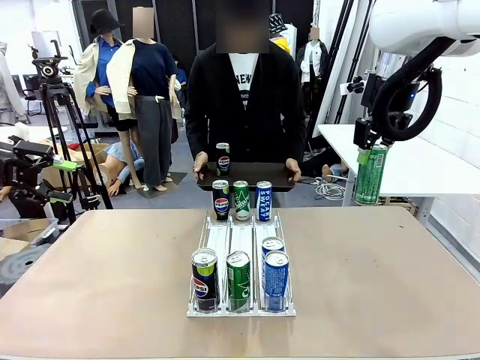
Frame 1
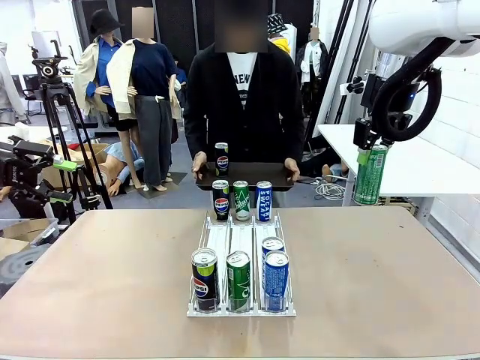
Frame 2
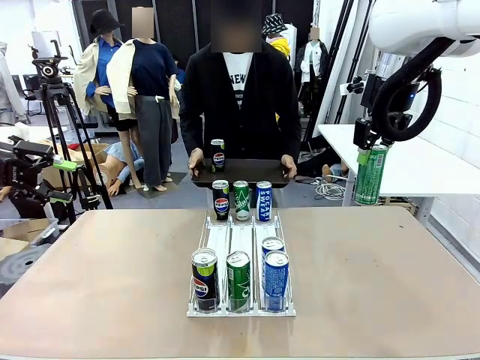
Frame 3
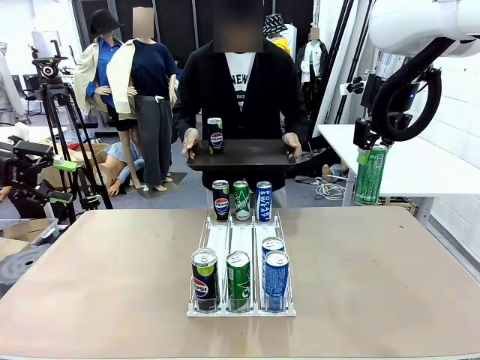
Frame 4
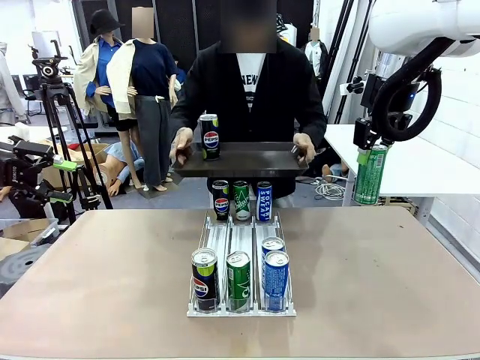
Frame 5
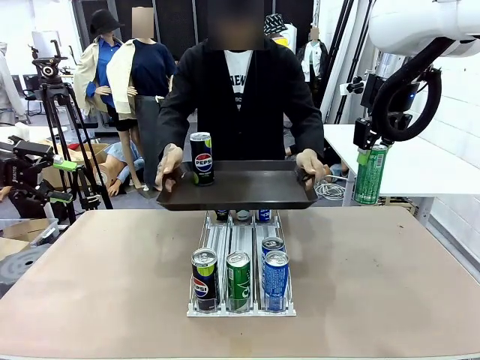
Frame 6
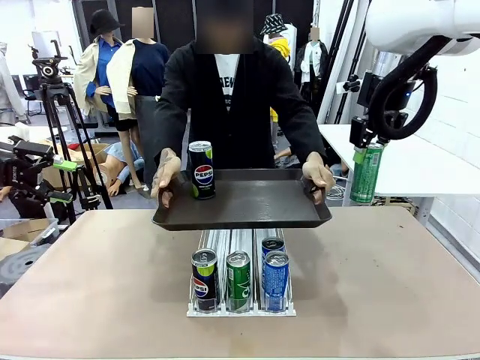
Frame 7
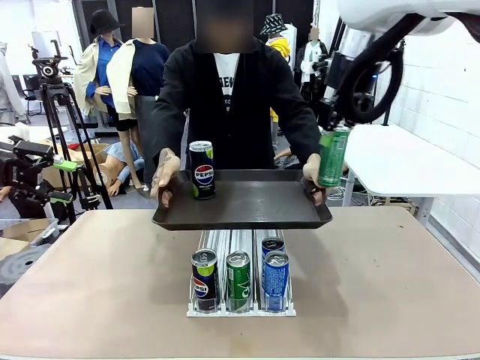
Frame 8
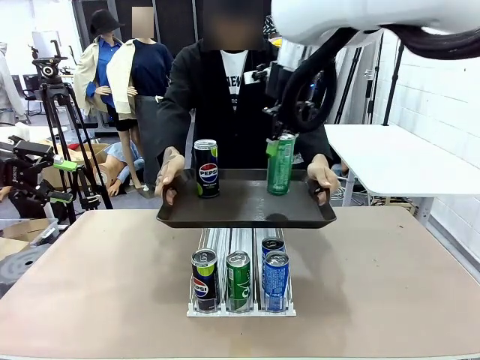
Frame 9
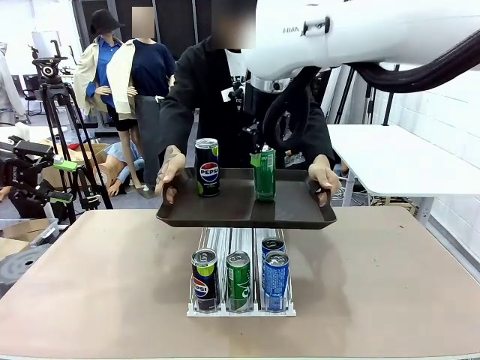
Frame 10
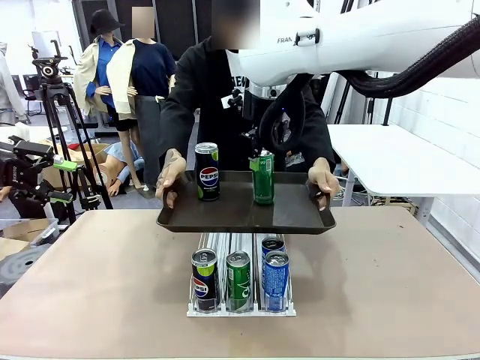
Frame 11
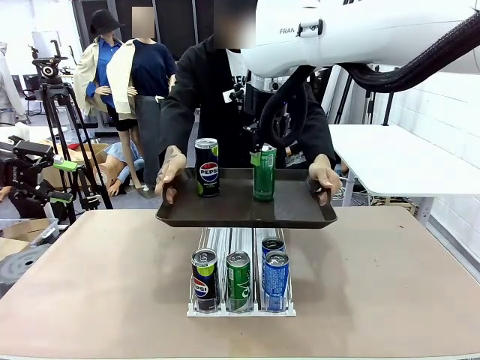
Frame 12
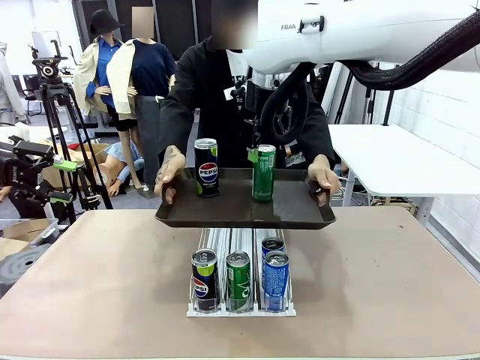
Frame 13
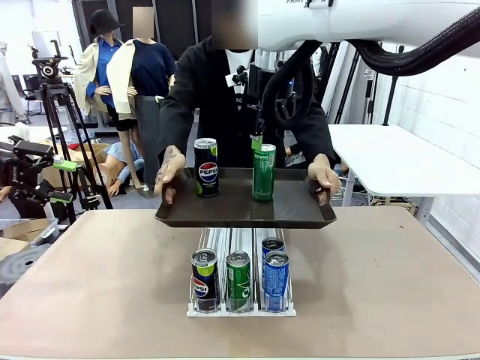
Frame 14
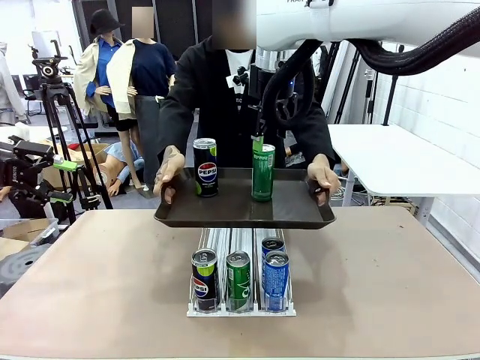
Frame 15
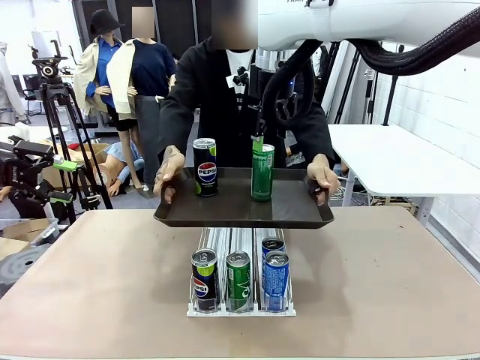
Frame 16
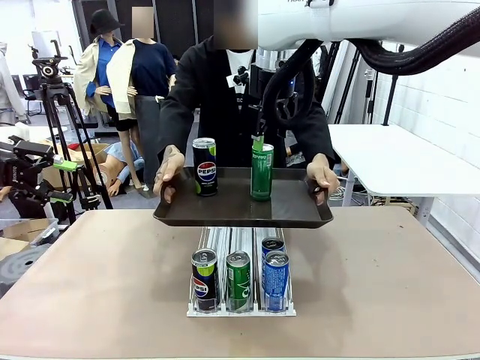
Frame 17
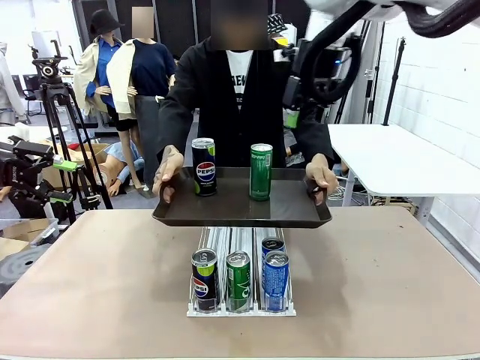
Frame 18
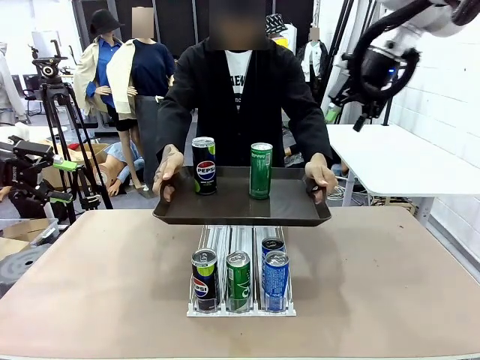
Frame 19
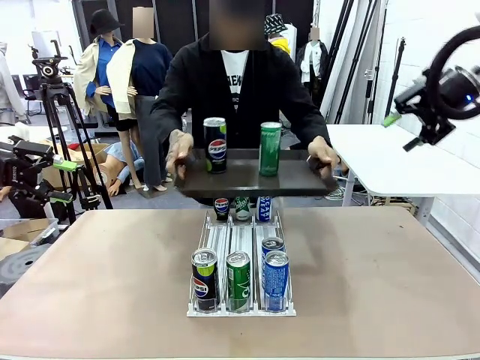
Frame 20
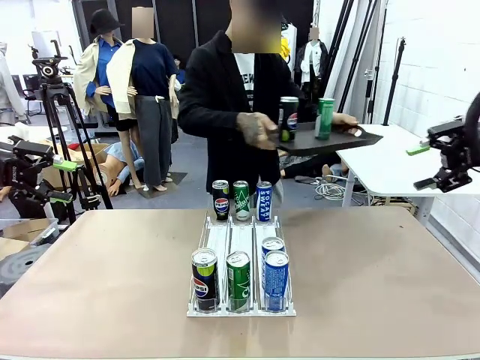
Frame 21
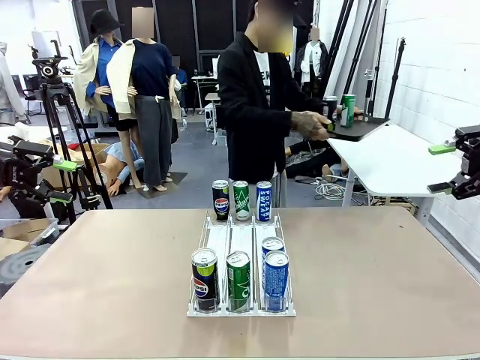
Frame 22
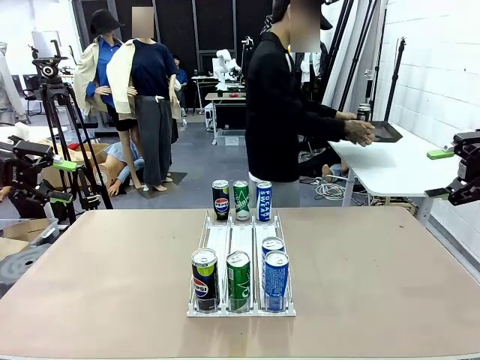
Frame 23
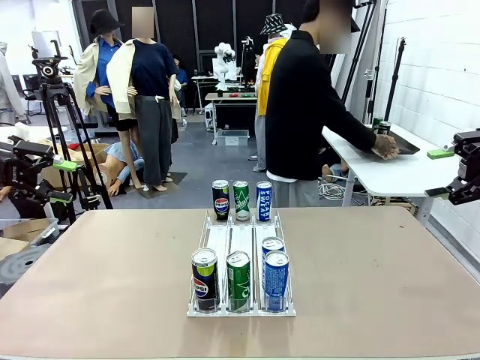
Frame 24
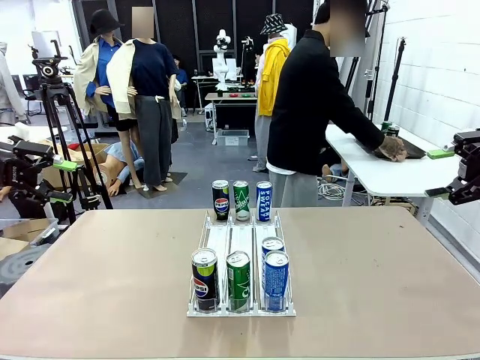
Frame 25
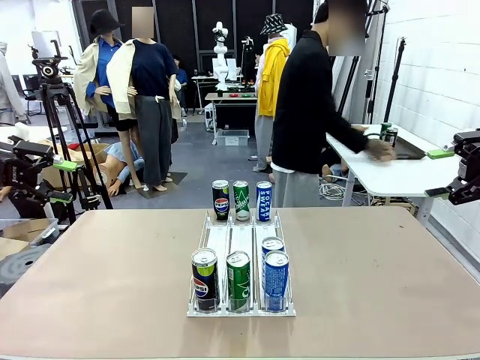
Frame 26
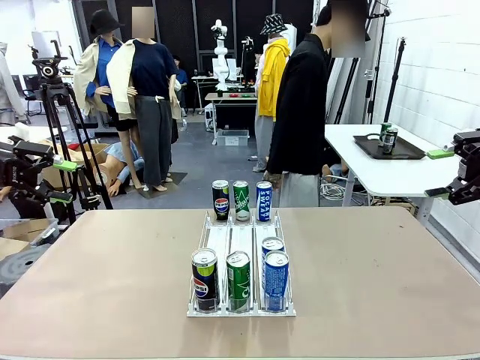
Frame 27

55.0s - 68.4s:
Task: Retrieve and hand over the desired beverage to the person.
Robot: Place the picked can on the Handle tray extended by the person.
Person: Pull the tray back and place it at the center of the human table.

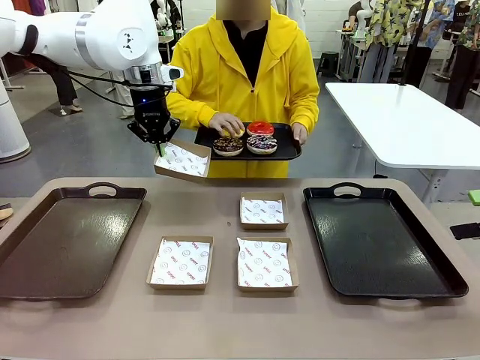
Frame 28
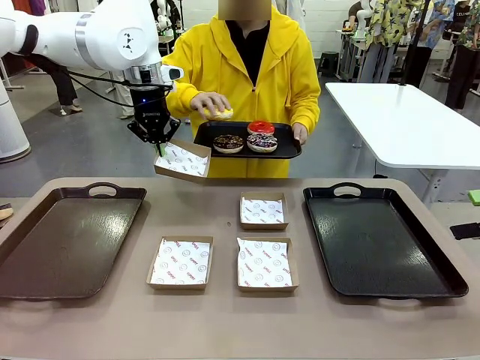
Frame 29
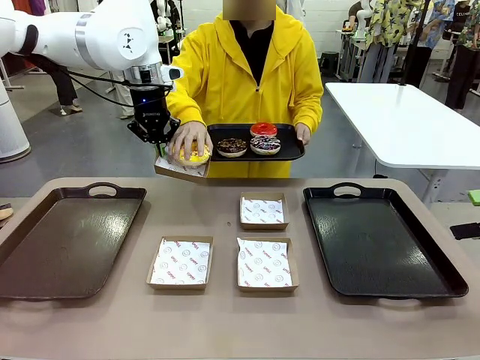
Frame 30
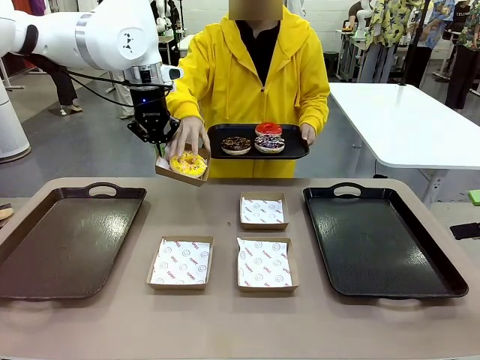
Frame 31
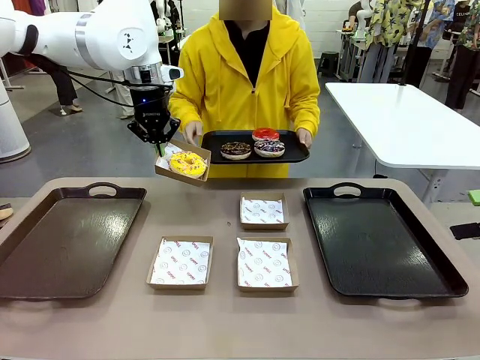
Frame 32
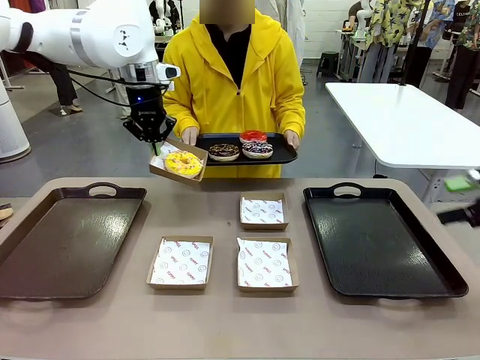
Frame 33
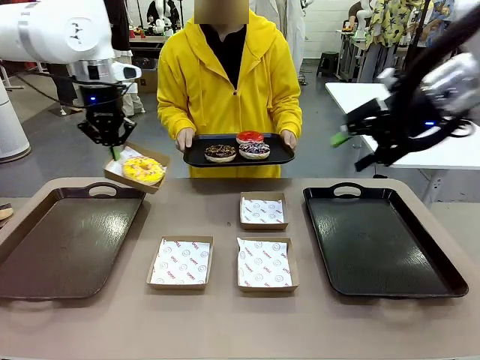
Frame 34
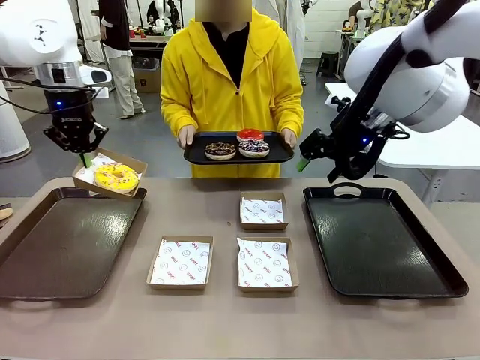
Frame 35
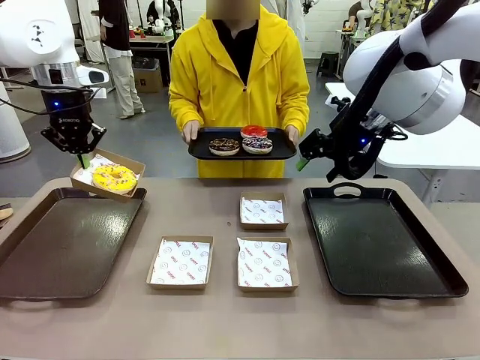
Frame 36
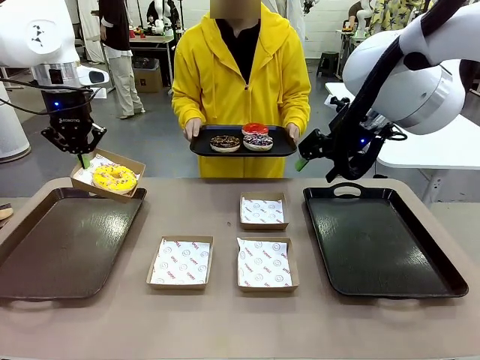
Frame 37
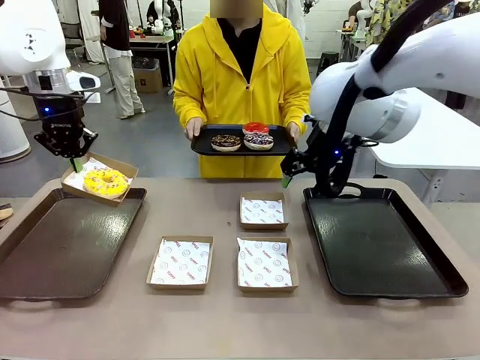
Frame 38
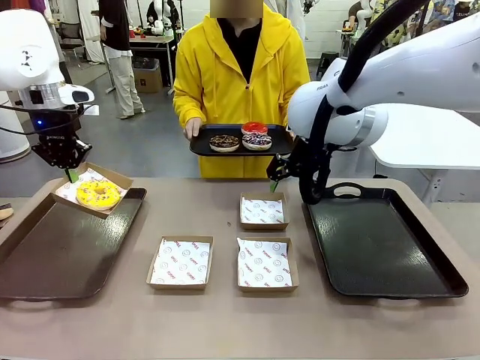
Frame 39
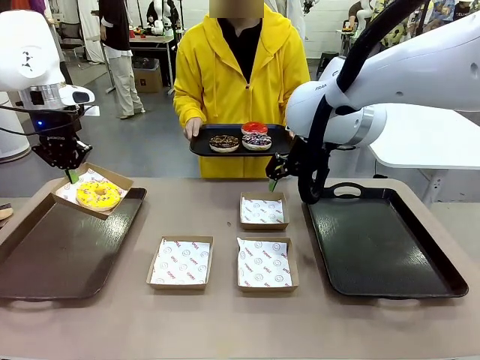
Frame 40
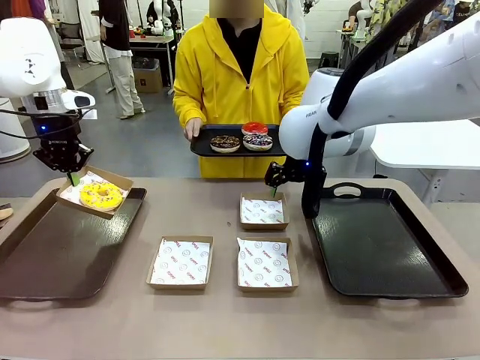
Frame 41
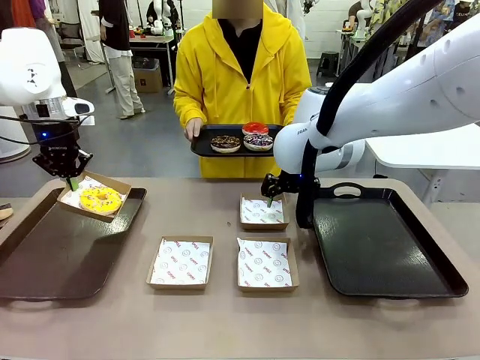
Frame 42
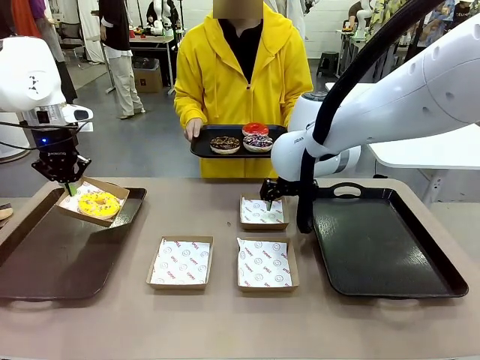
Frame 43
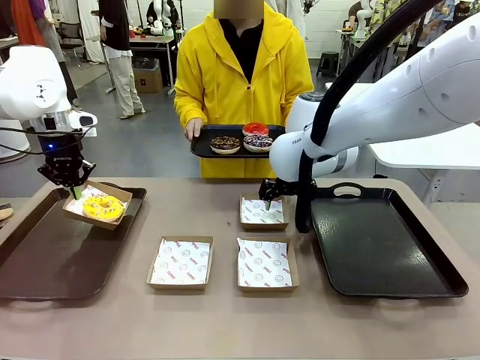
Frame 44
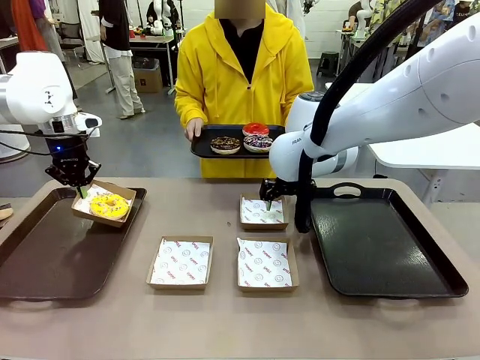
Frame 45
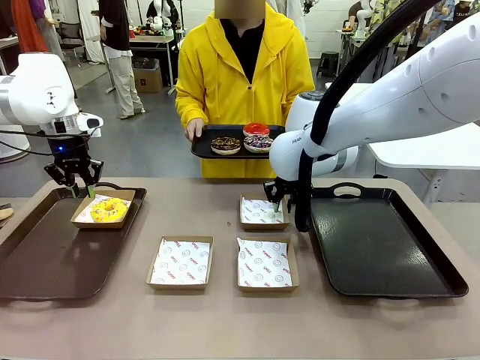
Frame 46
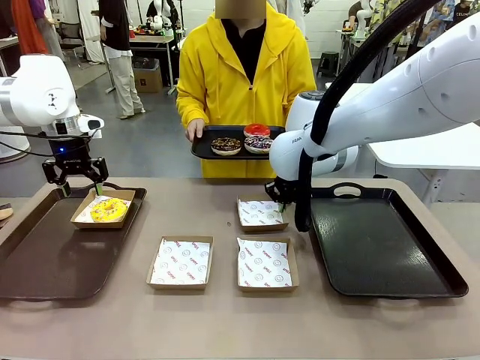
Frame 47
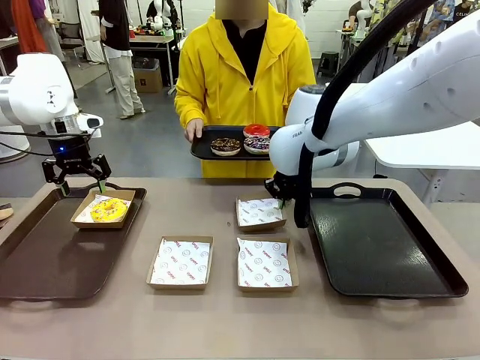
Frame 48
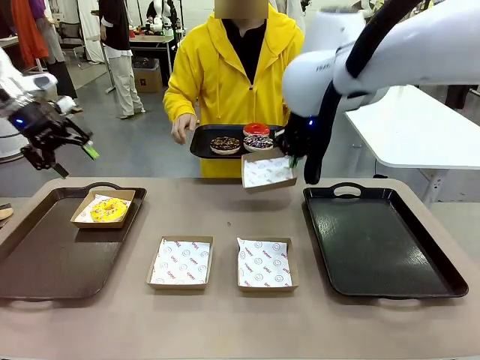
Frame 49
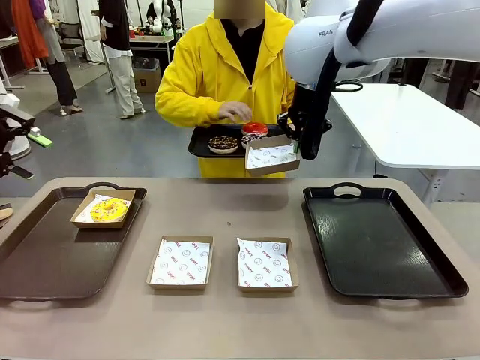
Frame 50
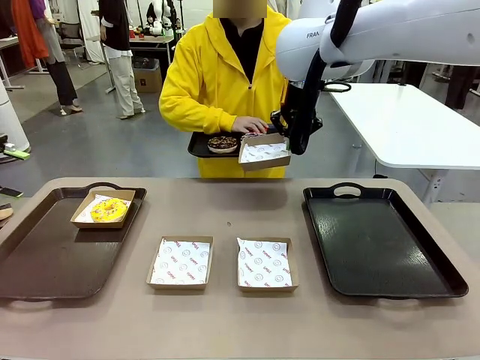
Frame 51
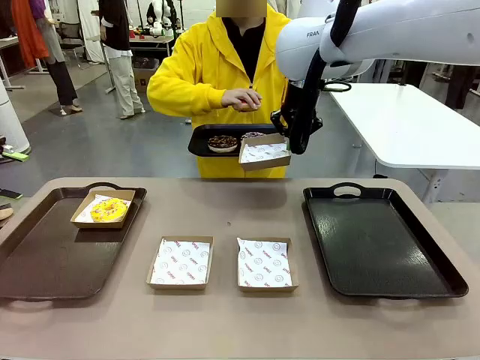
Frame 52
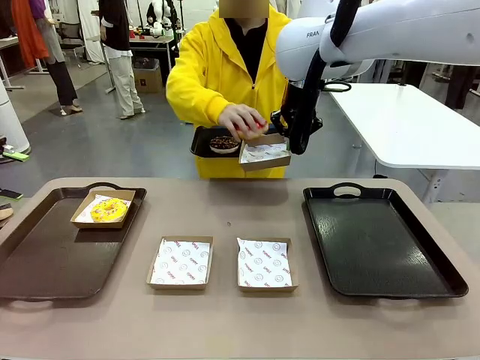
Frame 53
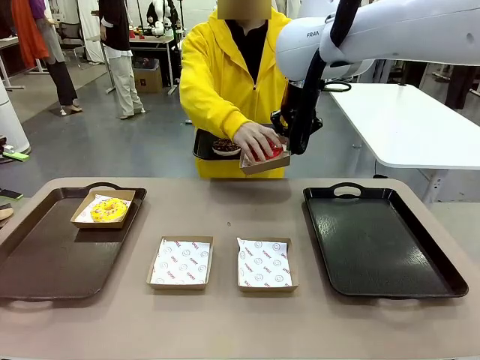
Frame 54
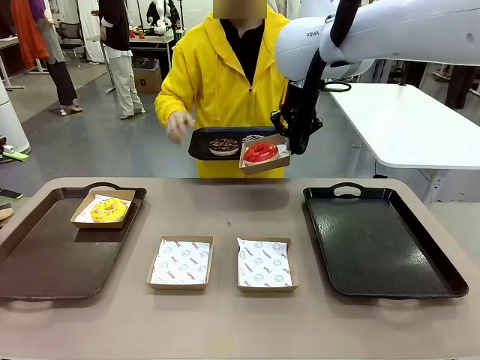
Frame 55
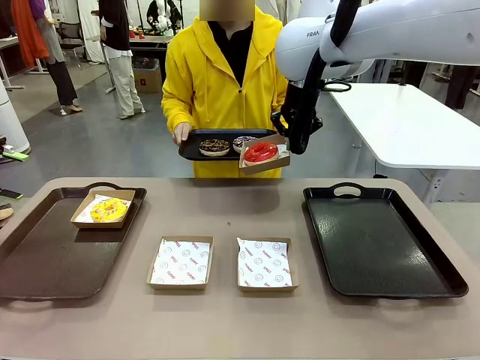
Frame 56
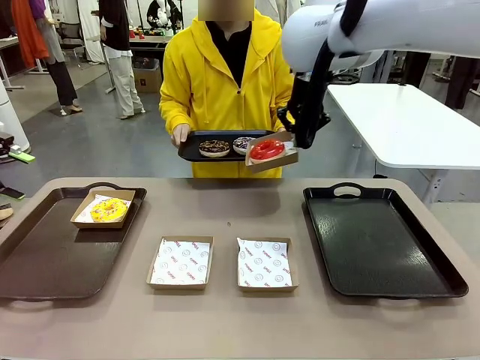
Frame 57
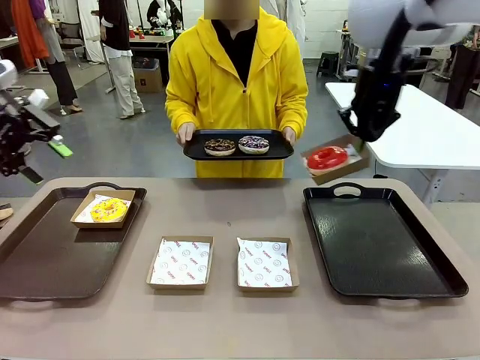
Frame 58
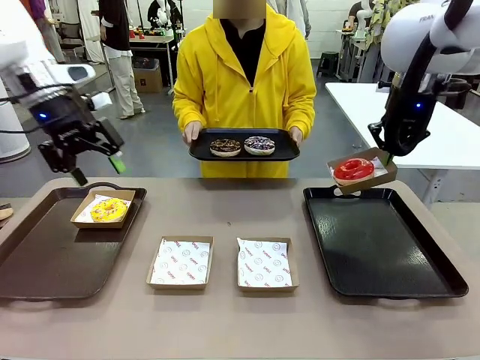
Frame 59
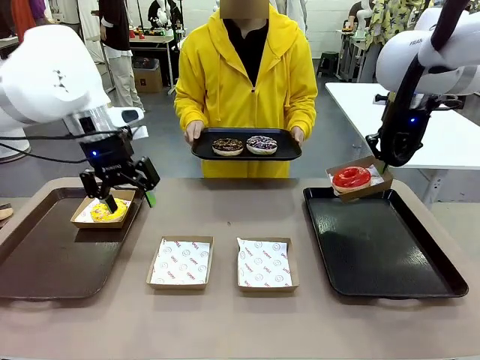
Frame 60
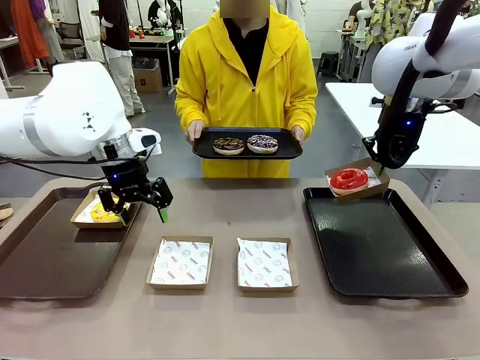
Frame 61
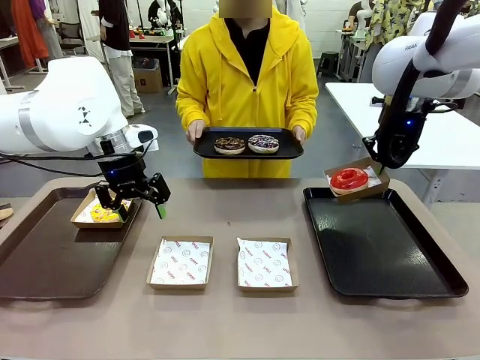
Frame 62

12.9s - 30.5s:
Task: Individually package the donuts and arrange them on the tray.
Robot: Place the picked Paper togo box on the Handle tray while simultaneously picking up another Paper togo box from the table with the other hand.
